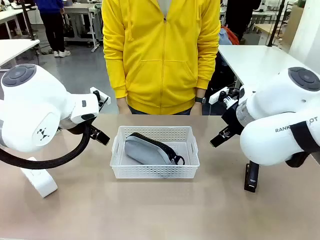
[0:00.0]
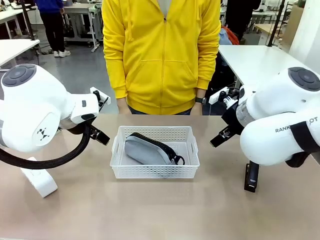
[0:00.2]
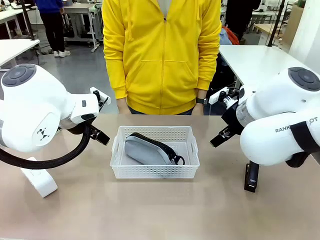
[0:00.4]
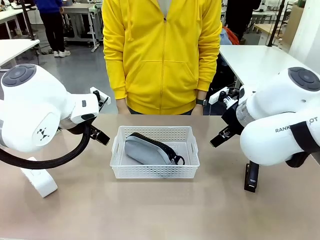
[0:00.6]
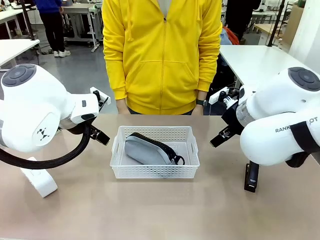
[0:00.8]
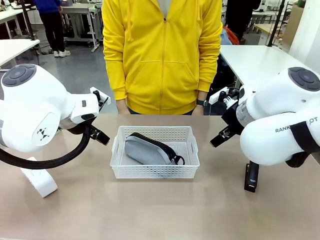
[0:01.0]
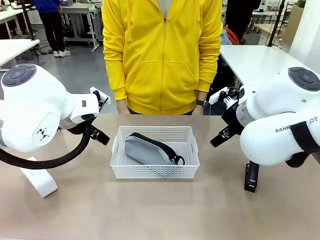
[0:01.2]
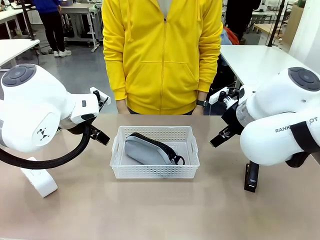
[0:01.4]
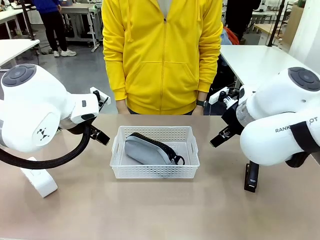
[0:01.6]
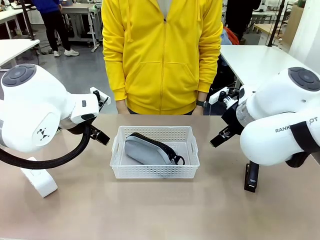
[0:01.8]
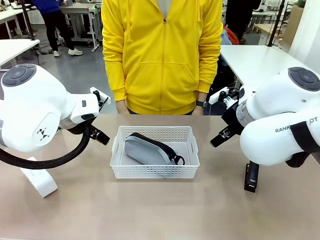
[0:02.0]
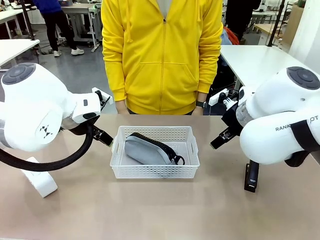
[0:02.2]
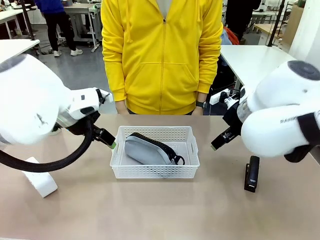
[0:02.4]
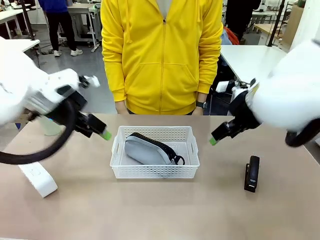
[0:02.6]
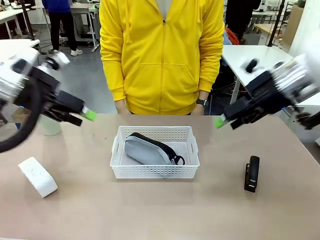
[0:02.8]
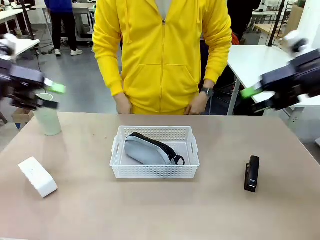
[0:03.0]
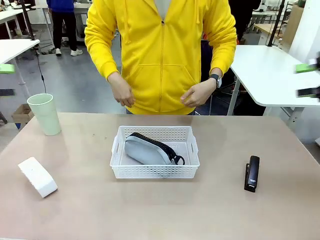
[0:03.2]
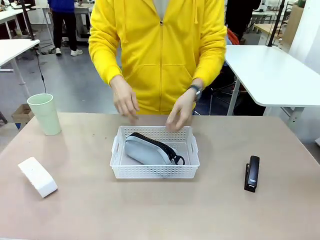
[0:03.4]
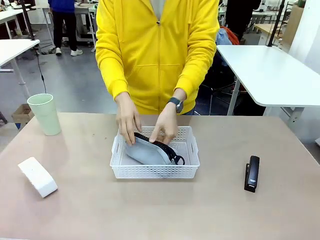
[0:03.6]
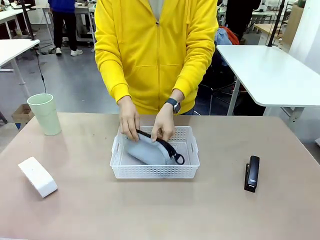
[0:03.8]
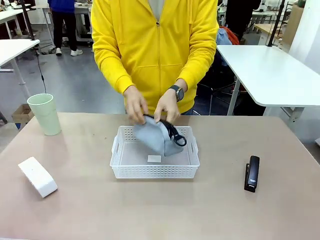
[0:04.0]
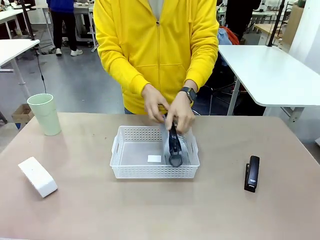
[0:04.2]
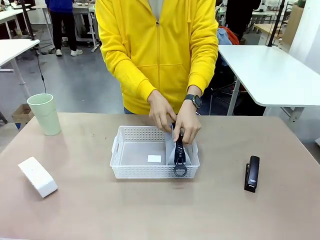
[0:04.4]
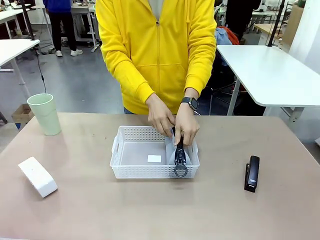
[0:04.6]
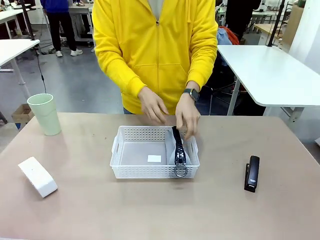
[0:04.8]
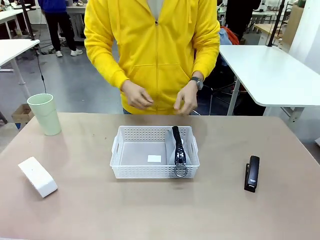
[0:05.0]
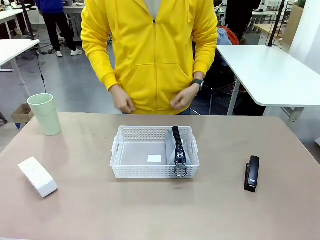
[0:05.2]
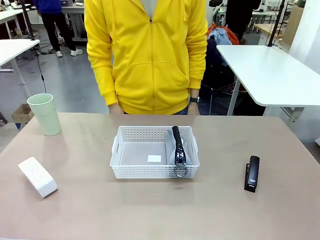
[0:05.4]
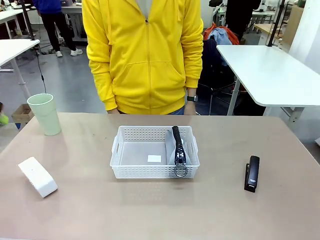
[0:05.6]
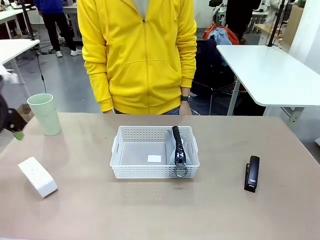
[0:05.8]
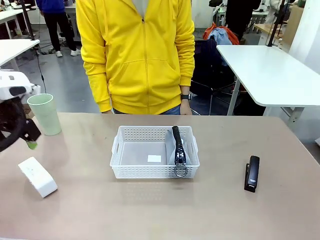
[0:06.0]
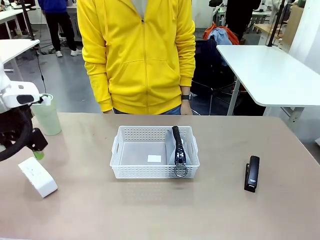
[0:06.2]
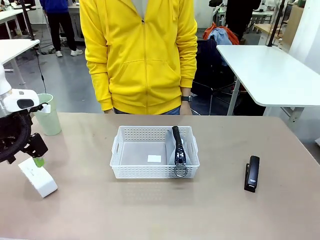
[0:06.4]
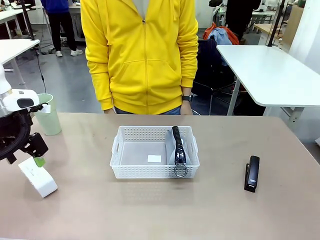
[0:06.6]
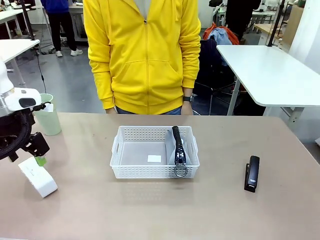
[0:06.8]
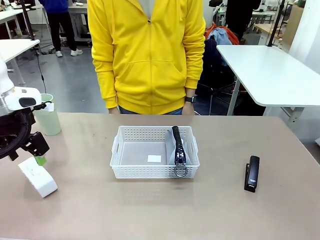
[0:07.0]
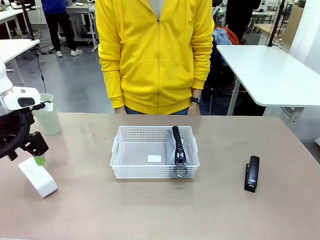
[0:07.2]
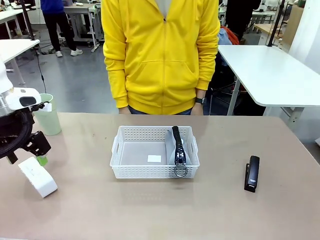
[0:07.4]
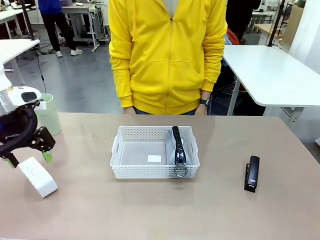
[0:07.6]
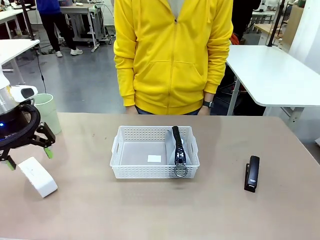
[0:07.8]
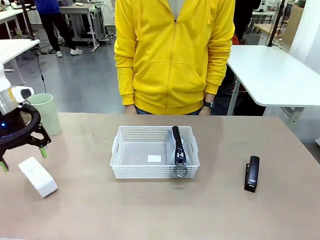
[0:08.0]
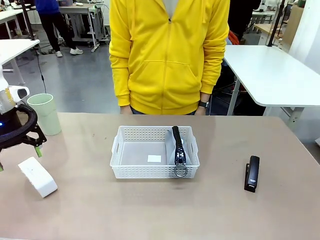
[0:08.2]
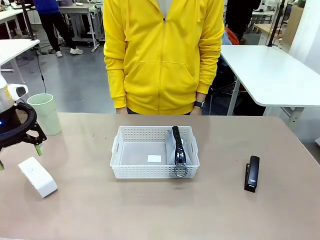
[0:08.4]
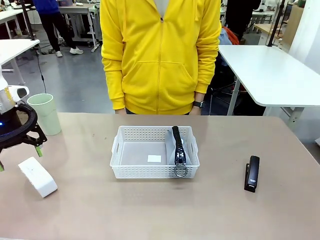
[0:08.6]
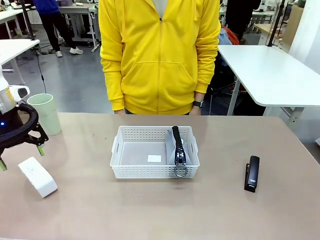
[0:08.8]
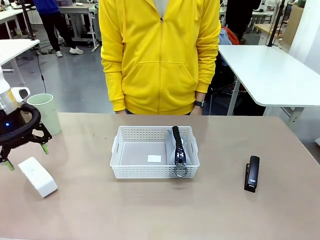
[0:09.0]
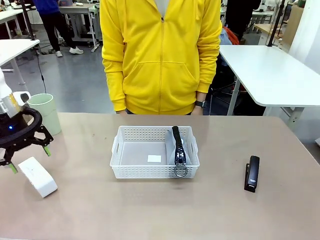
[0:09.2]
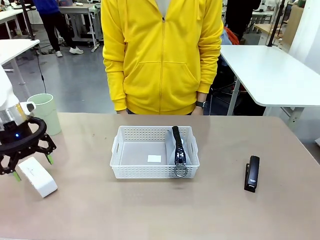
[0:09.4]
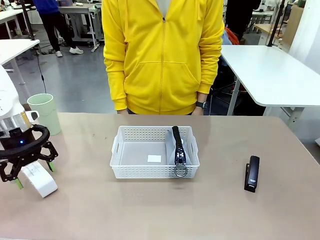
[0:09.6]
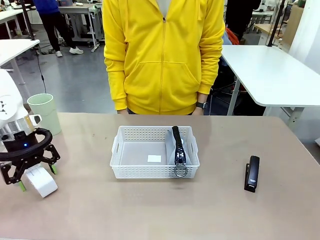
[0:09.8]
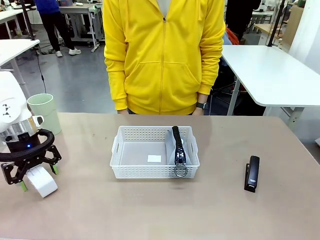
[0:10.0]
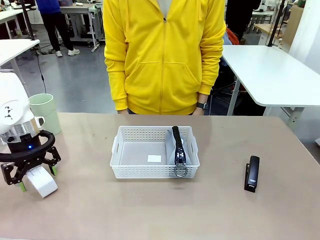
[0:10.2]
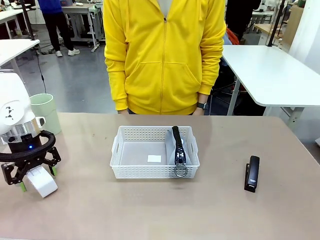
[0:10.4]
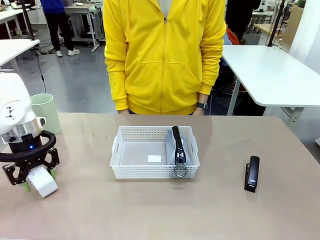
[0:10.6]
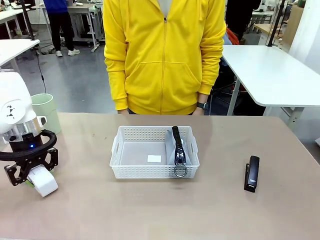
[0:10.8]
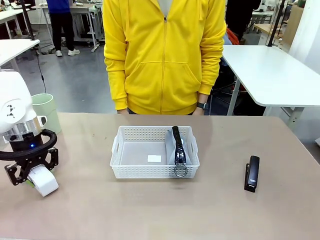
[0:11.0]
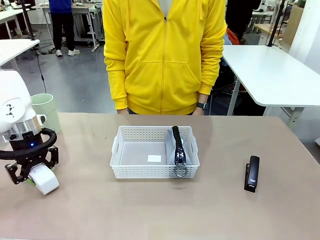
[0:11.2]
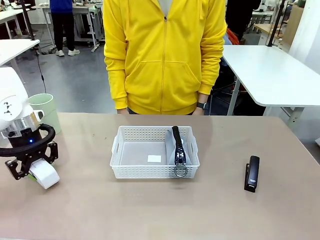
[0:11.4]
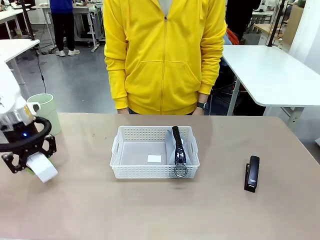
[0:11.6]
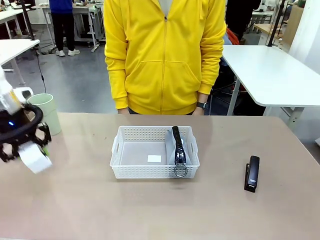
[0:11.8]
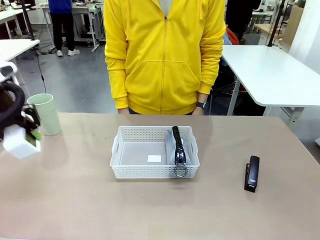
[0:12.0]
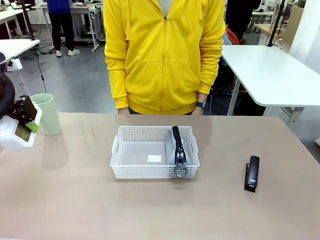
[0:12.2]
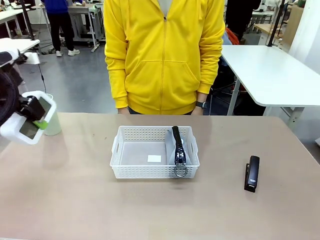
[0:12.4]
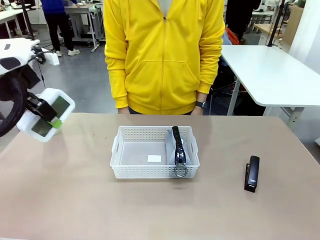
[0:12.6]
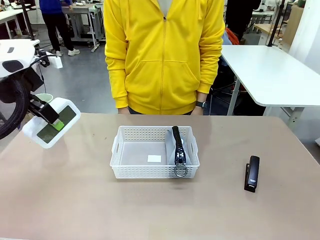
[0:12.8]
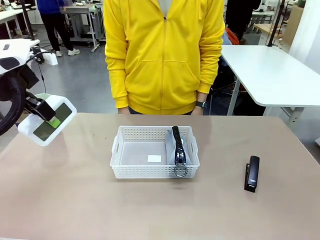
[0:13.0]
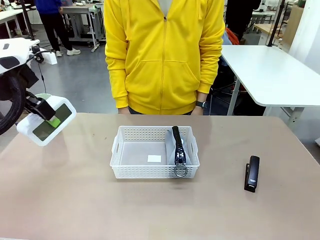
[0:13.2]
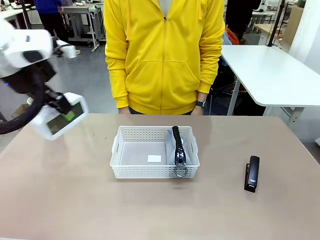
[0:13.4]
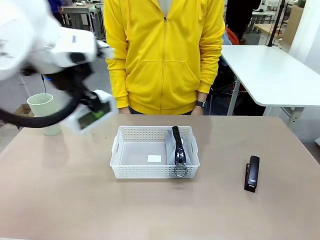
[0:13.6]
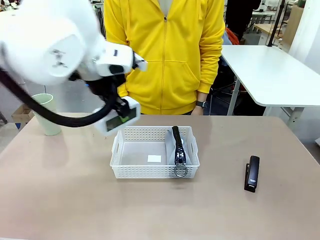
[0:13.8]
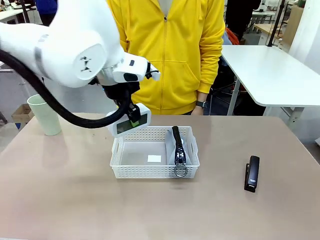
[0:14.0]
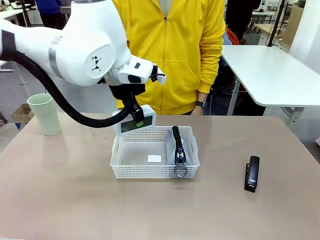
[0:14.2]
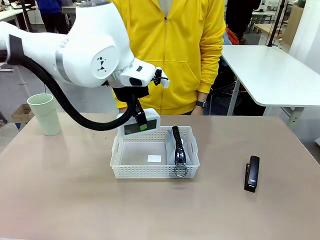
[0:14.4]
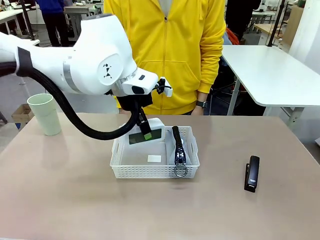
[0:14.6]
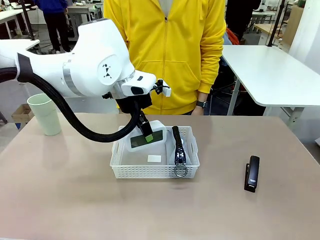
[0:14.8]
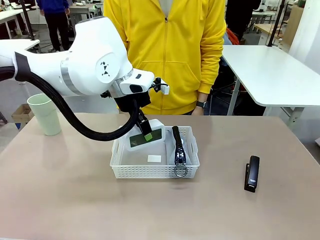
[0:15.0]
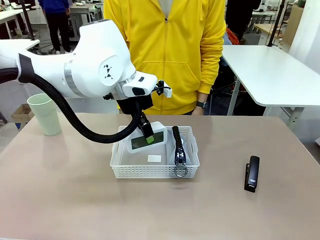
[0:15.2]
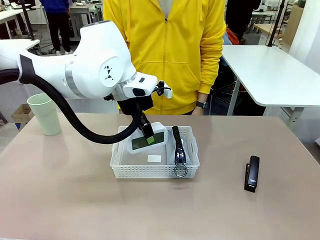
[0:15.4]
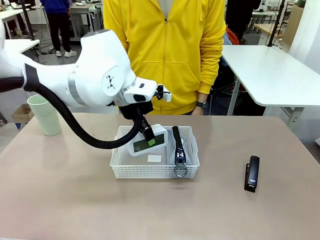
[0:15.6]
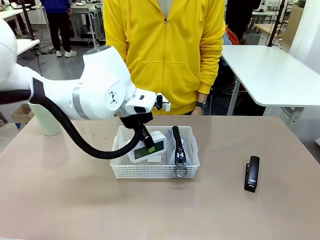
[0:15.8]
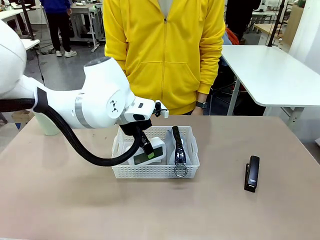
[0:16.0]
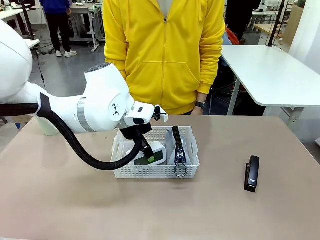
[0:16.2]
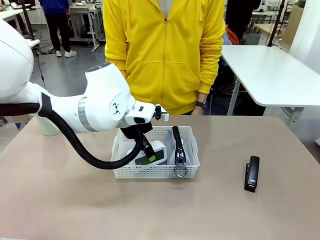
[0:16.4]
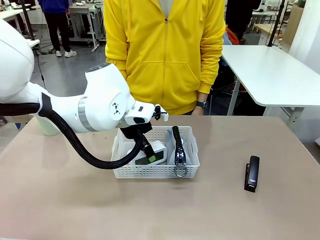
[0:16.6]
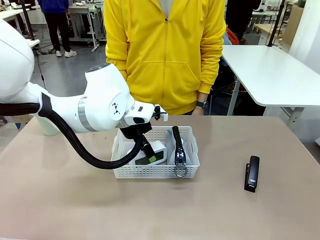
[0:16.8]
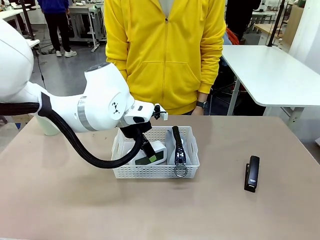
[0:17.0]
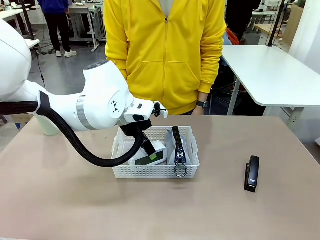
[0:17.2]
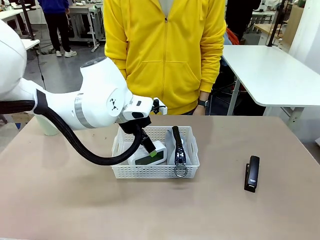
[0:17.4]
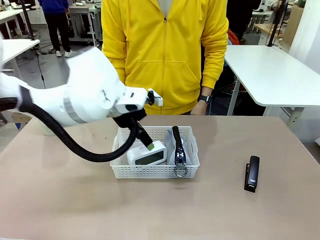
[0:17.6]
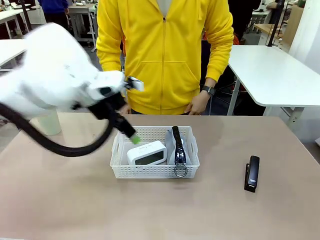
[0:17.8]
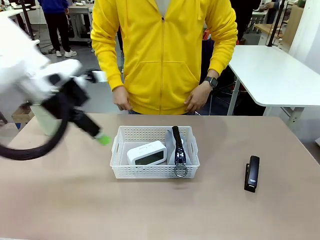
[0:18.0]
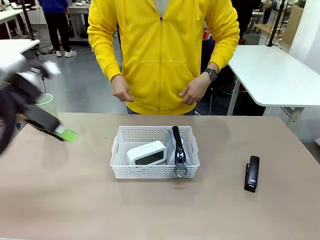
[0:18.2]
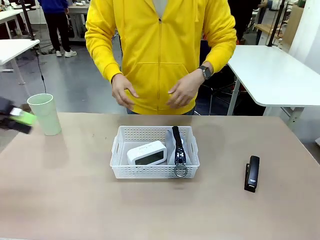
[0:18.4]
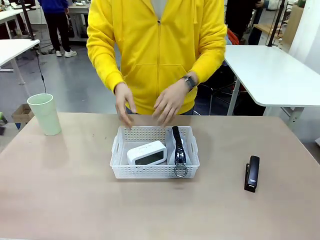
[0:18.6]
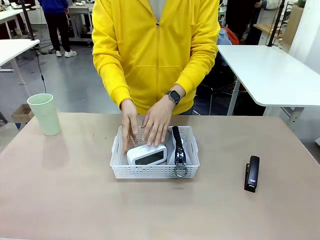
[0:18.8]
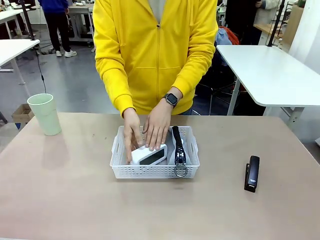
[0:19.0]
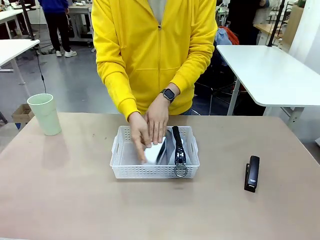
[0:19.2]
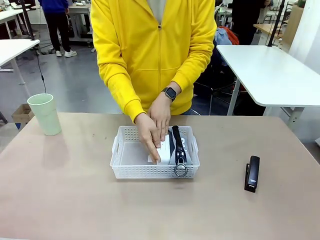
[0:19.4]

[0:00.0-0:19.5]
Task: Efficiently arrange items inside the basket to fit them all.
Robot: Pick up the Digital clock and place it inside the Organizing basket.
Person: Repositions the pencil case. Repositions the digital clock.
